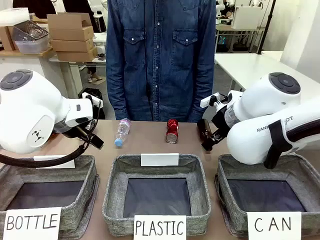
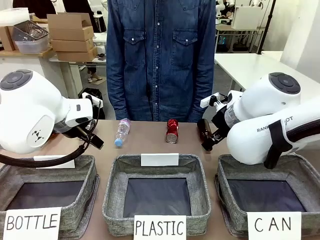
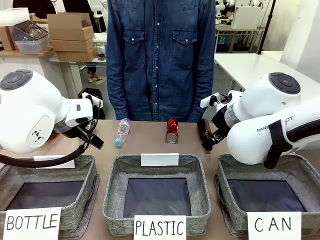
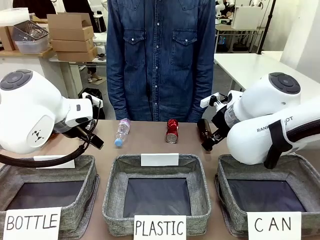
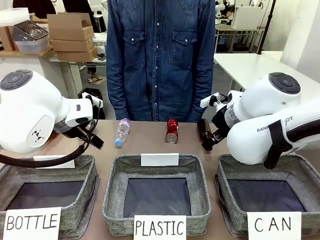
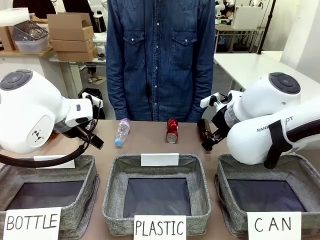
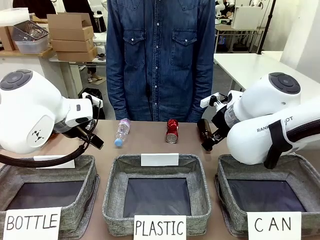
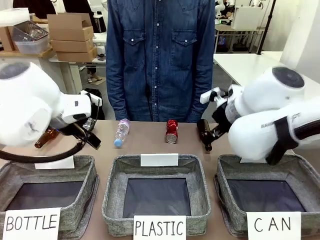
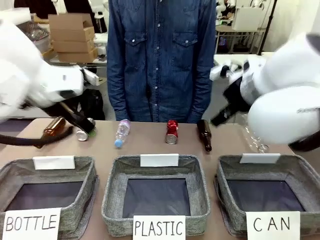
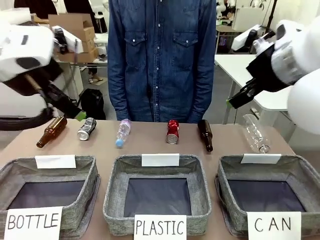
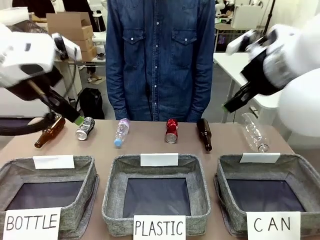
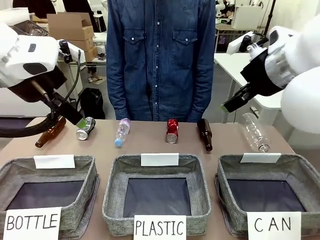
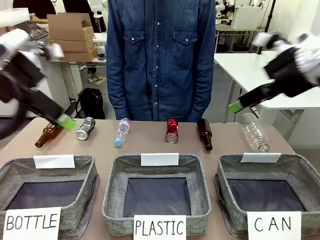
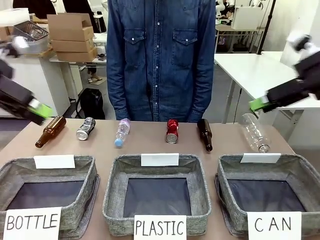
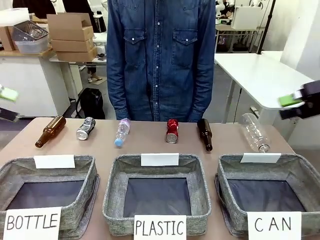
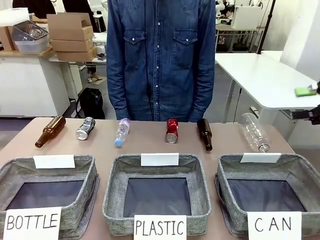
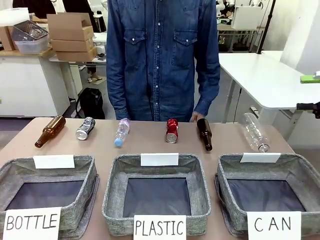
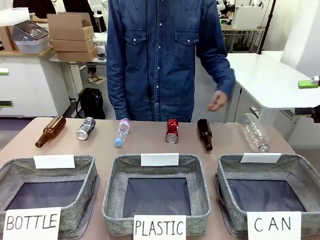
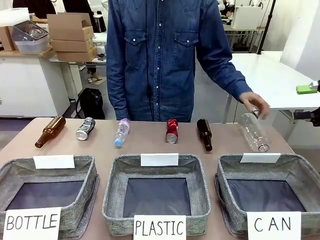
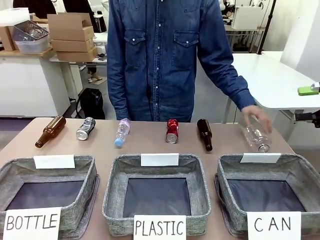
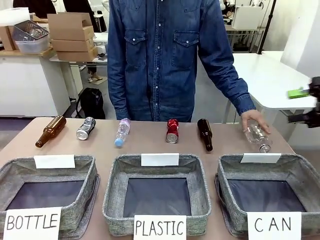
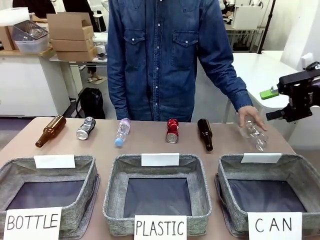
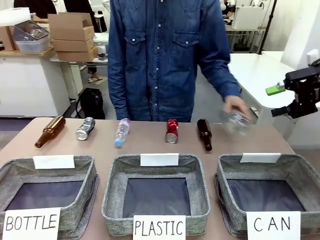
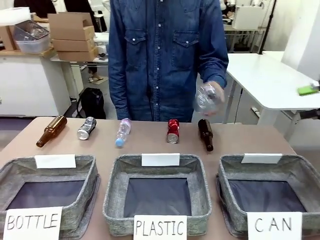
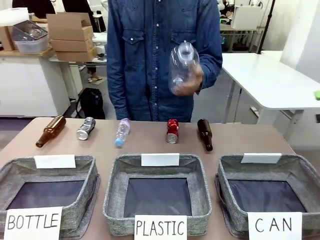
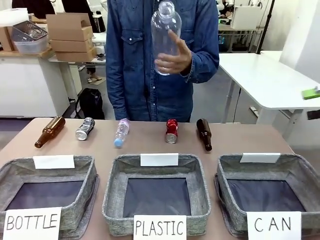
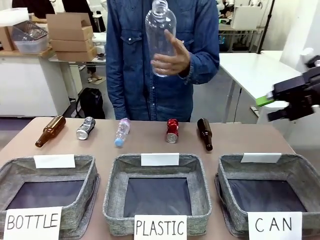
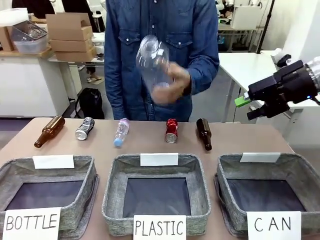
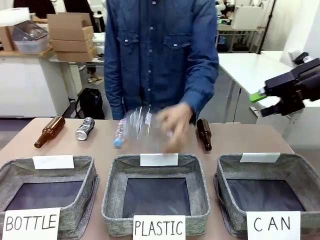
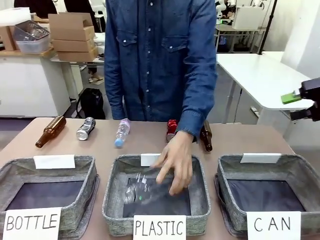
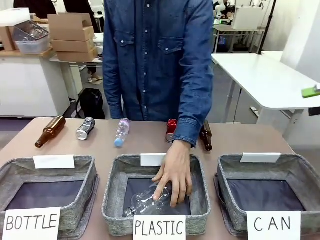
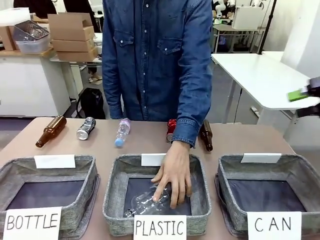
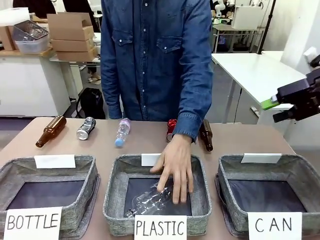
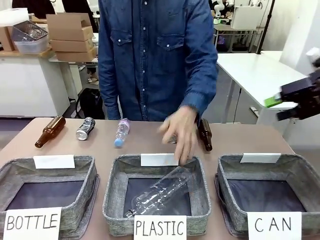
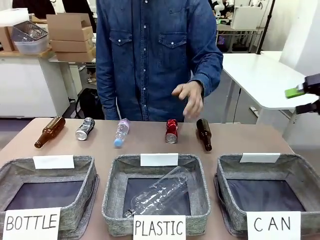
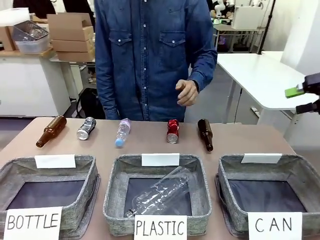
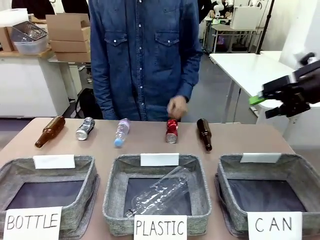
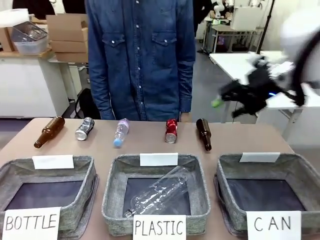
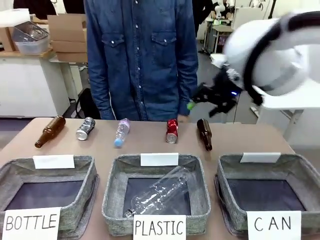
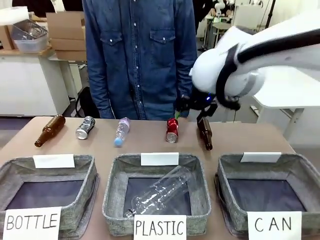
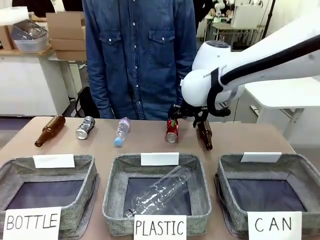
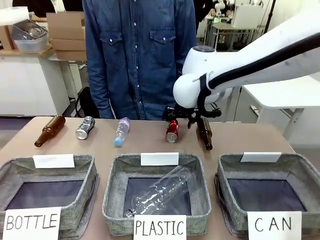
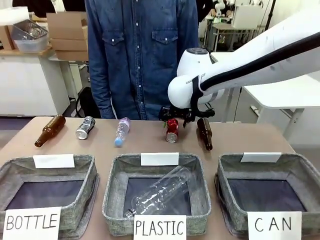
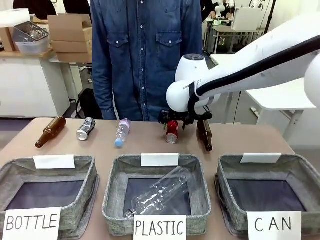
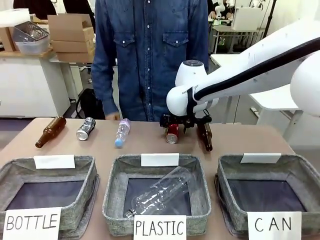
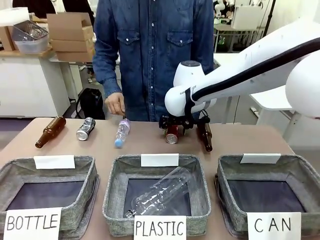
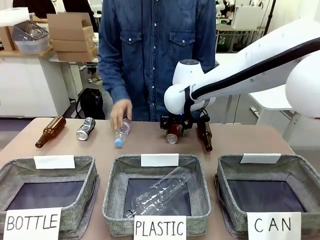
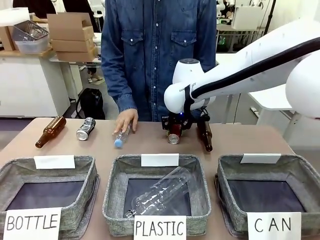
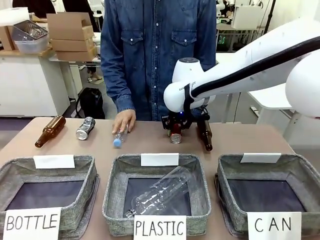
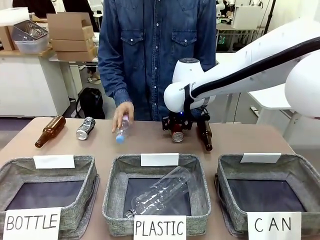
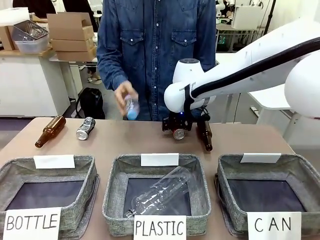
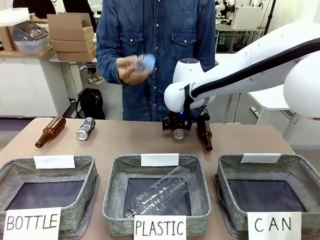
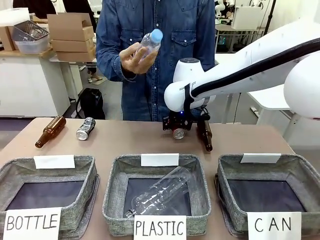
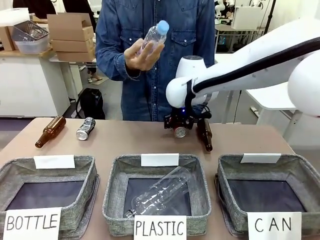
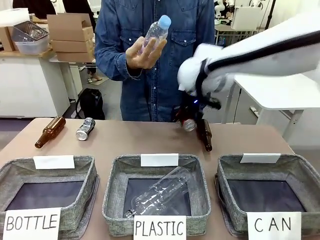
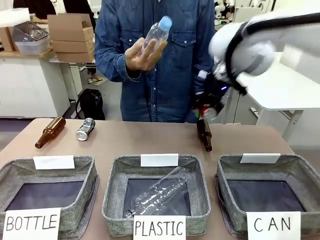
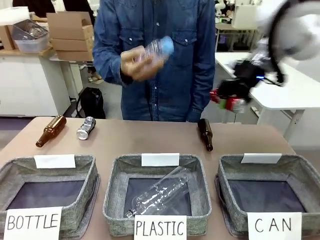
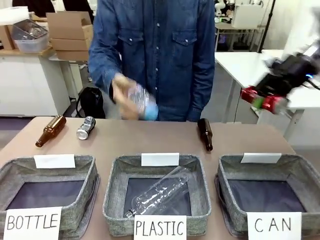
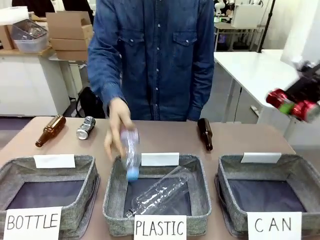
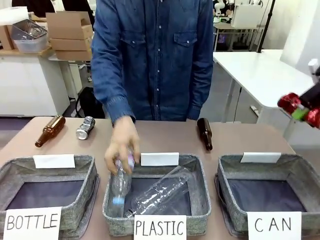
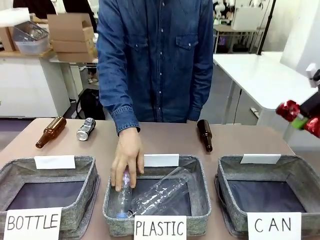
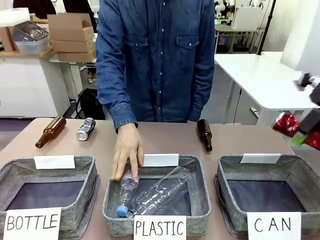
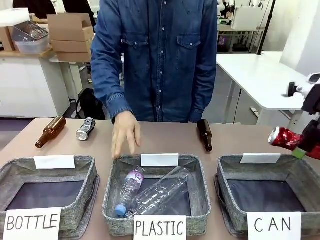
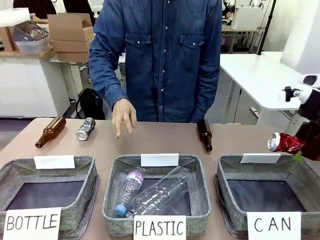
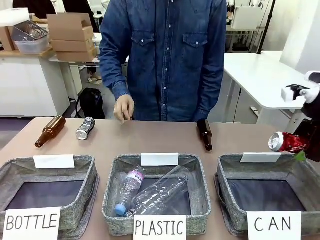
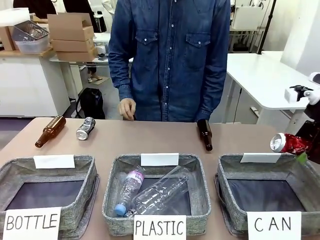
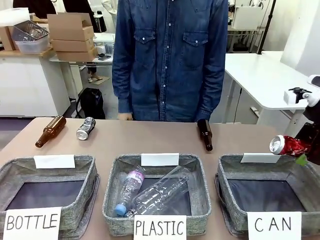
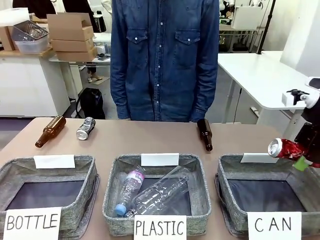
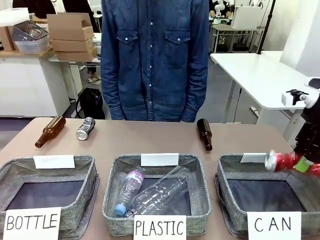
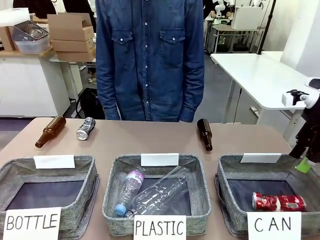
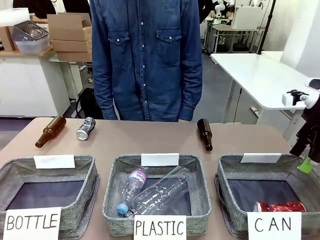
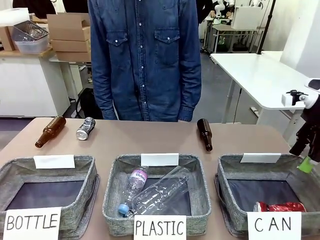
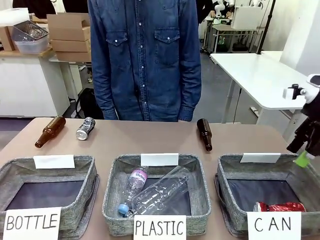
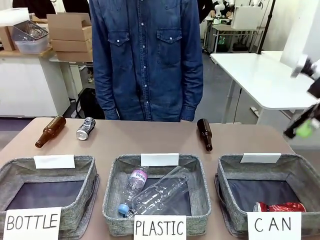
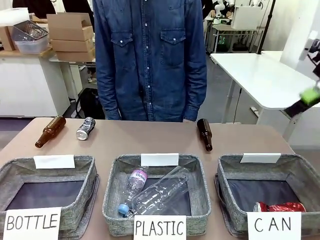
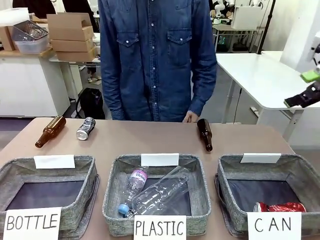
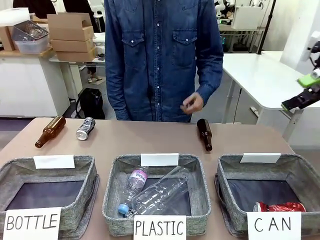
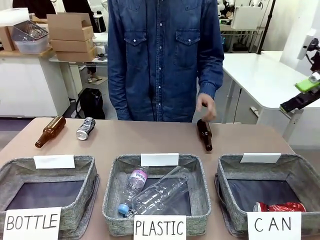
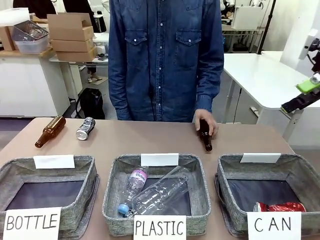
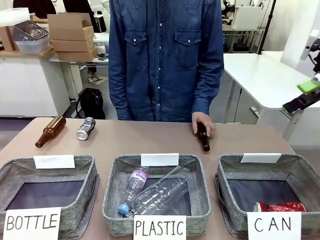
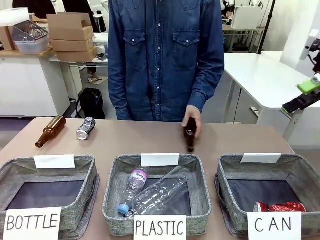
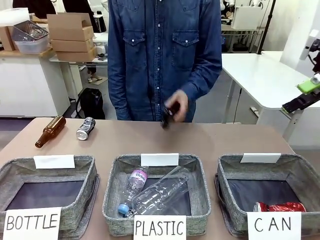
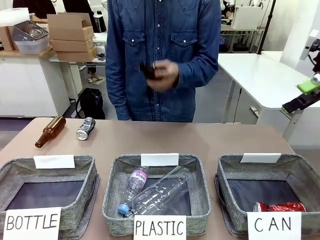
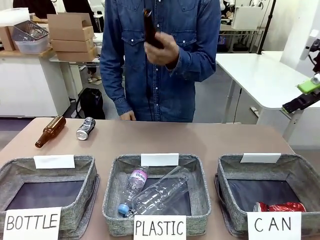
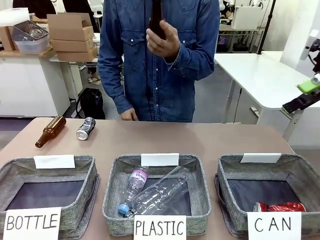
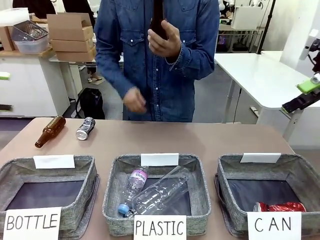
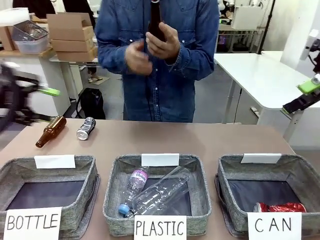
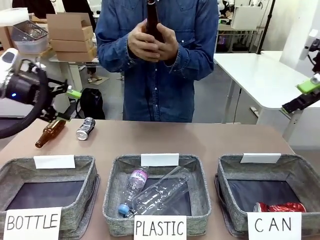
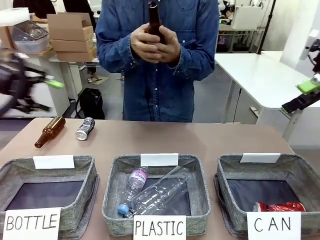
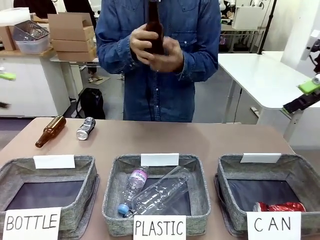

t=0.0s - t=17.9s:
Task: Sort the can waste into the basket.
Robot: Pick up the can waste from the table and place it in the right Fabric basket.
